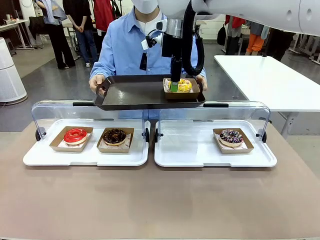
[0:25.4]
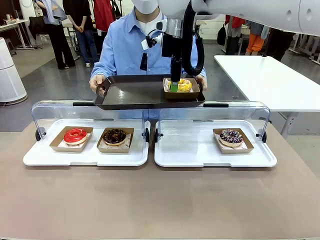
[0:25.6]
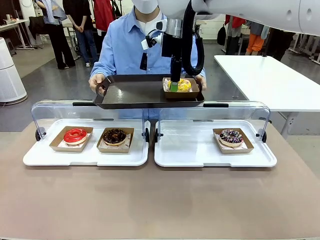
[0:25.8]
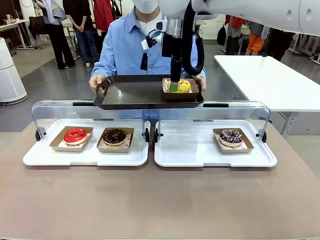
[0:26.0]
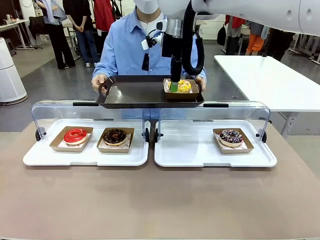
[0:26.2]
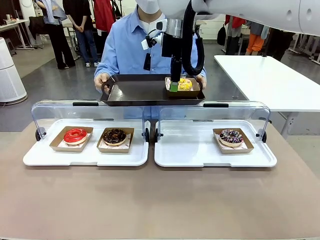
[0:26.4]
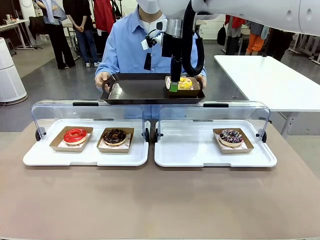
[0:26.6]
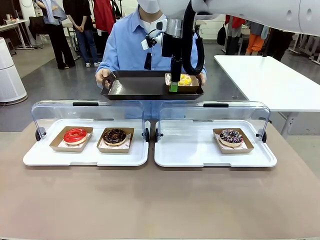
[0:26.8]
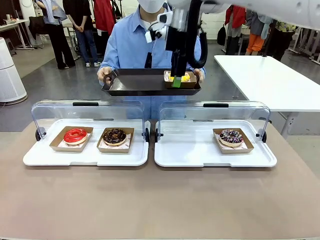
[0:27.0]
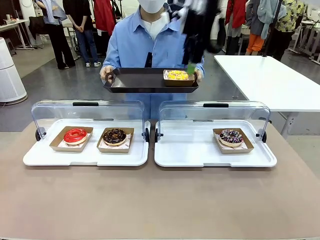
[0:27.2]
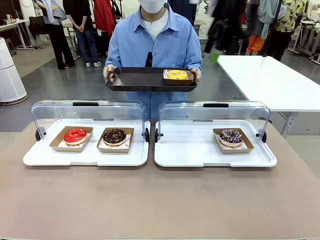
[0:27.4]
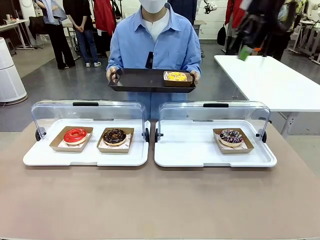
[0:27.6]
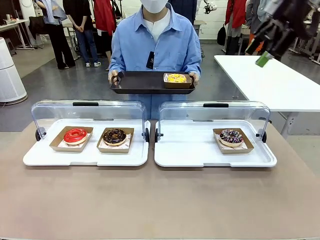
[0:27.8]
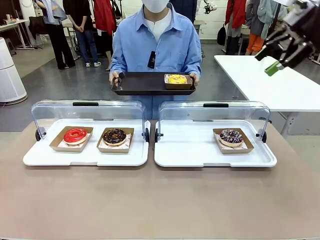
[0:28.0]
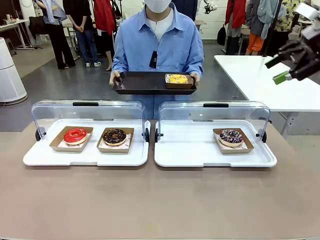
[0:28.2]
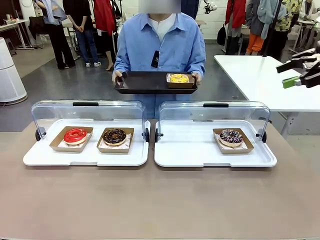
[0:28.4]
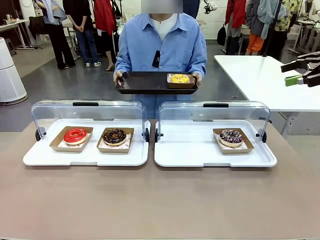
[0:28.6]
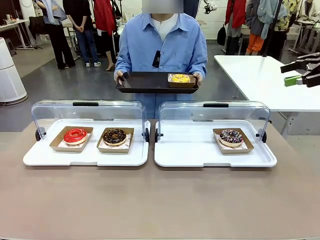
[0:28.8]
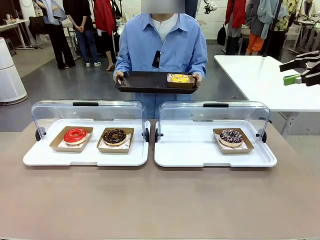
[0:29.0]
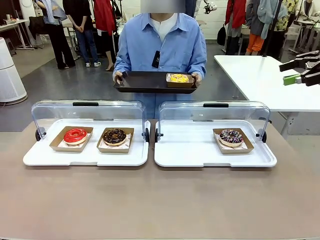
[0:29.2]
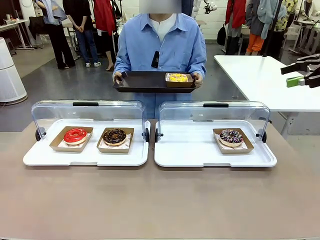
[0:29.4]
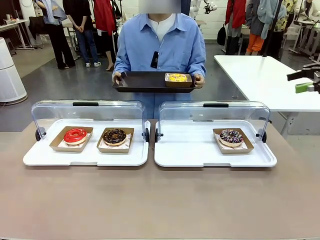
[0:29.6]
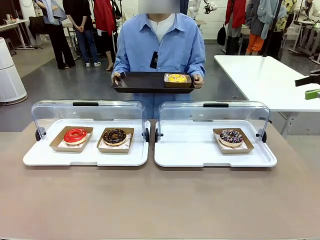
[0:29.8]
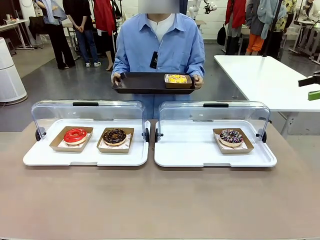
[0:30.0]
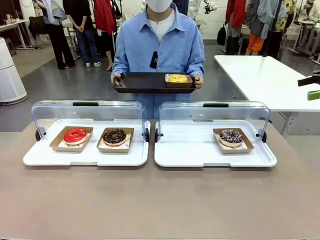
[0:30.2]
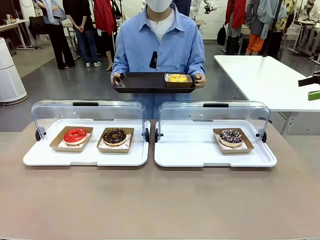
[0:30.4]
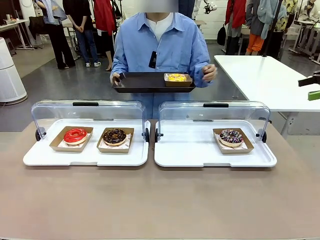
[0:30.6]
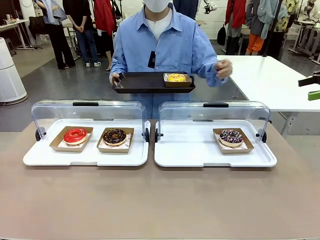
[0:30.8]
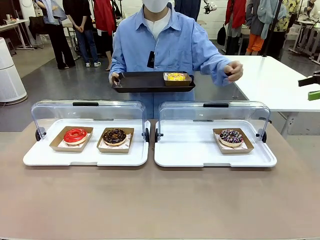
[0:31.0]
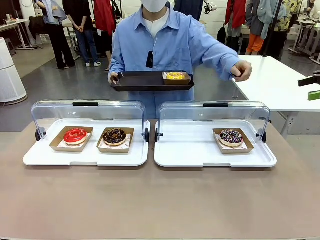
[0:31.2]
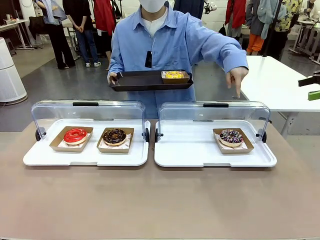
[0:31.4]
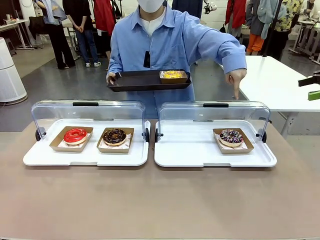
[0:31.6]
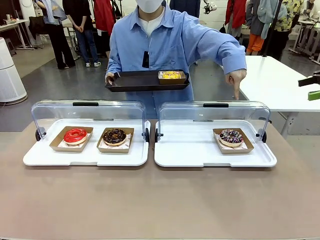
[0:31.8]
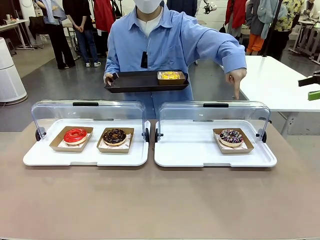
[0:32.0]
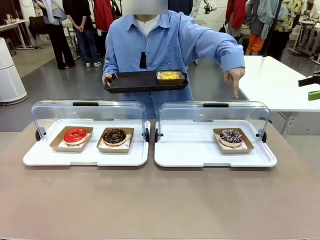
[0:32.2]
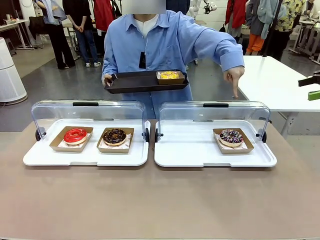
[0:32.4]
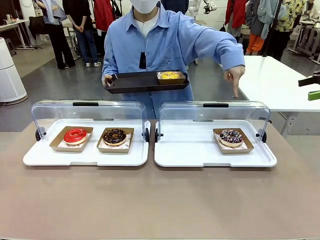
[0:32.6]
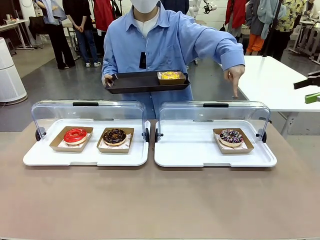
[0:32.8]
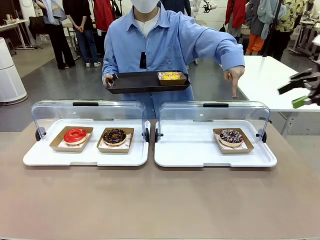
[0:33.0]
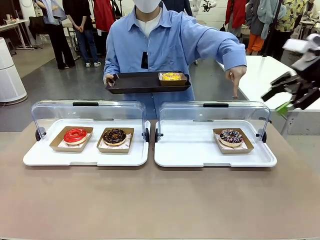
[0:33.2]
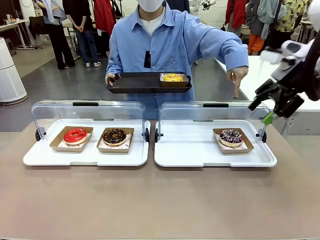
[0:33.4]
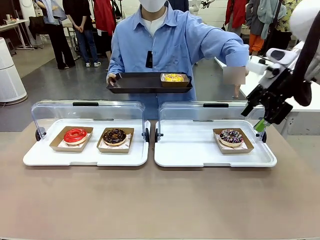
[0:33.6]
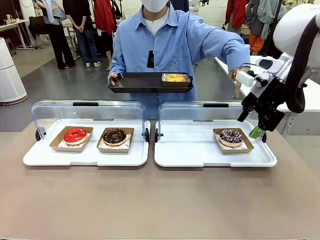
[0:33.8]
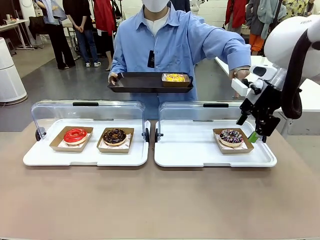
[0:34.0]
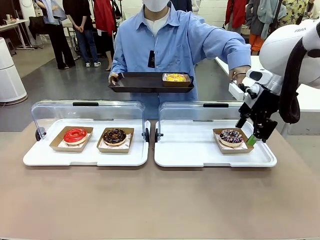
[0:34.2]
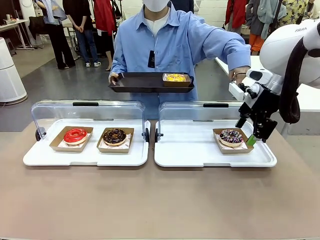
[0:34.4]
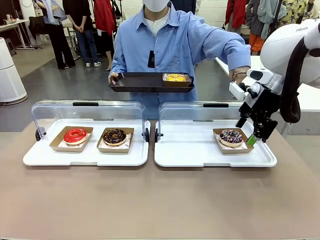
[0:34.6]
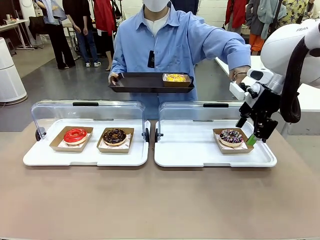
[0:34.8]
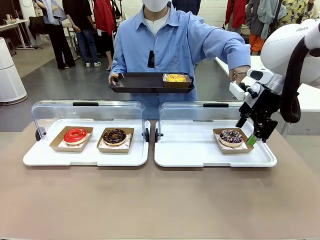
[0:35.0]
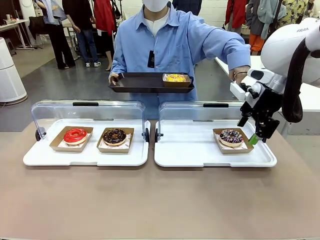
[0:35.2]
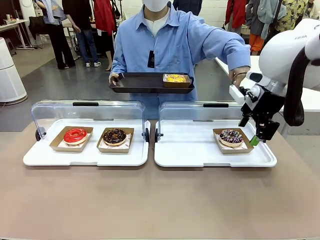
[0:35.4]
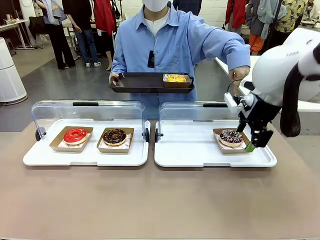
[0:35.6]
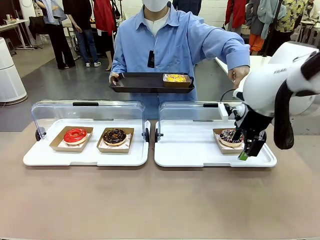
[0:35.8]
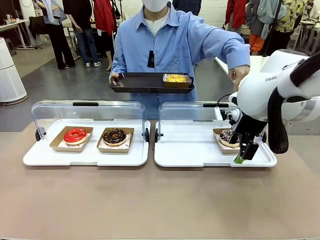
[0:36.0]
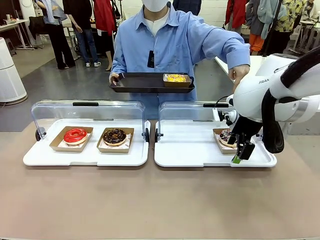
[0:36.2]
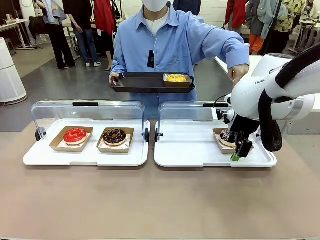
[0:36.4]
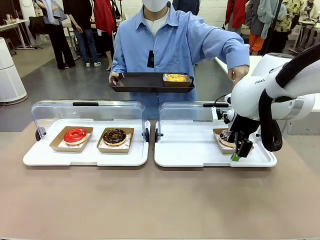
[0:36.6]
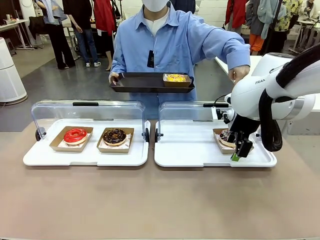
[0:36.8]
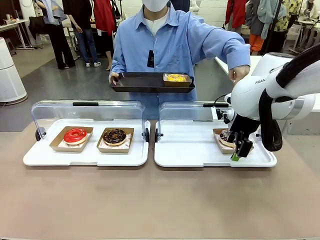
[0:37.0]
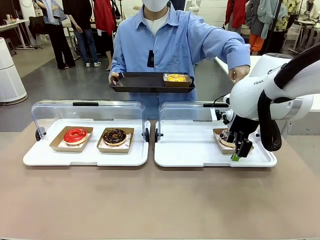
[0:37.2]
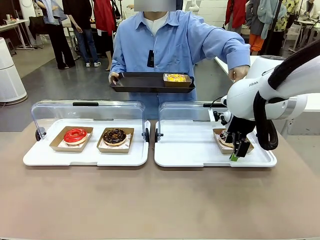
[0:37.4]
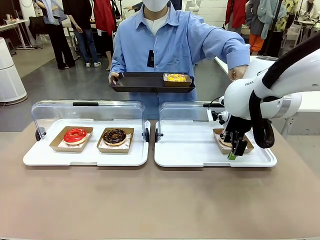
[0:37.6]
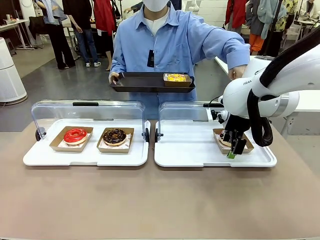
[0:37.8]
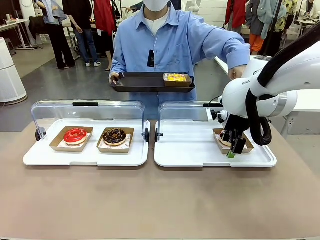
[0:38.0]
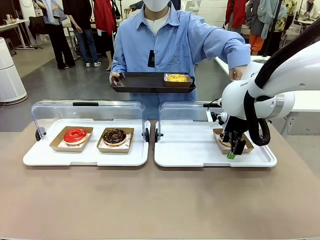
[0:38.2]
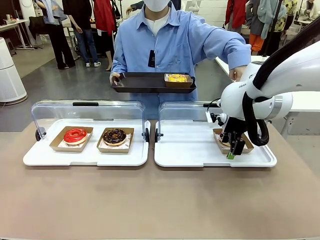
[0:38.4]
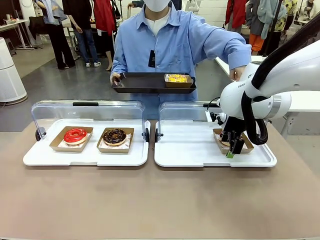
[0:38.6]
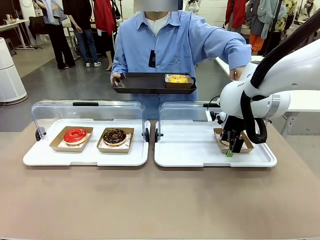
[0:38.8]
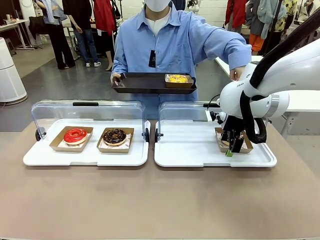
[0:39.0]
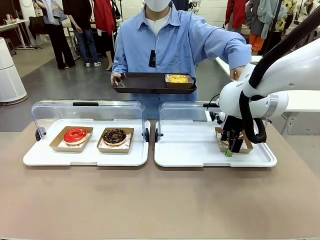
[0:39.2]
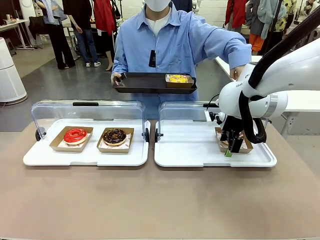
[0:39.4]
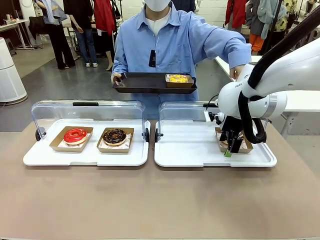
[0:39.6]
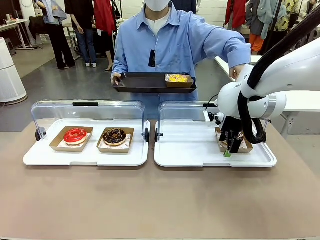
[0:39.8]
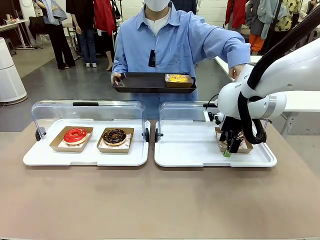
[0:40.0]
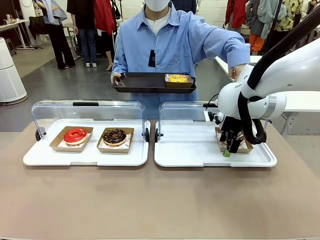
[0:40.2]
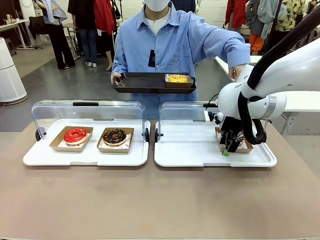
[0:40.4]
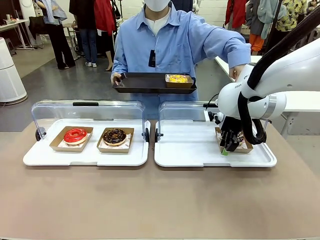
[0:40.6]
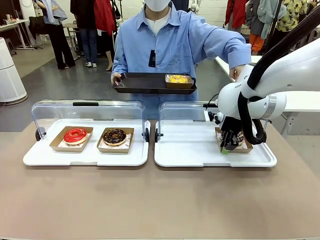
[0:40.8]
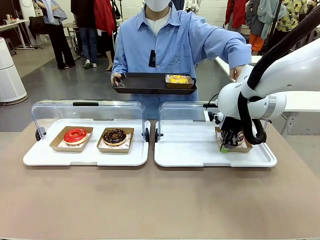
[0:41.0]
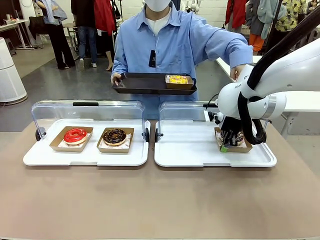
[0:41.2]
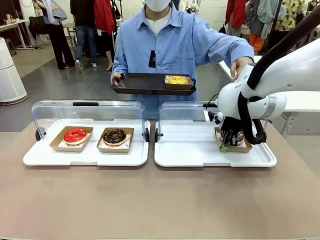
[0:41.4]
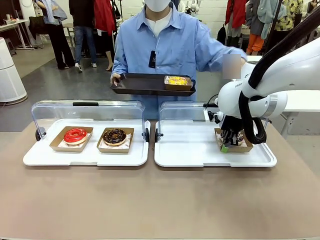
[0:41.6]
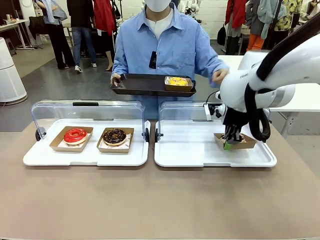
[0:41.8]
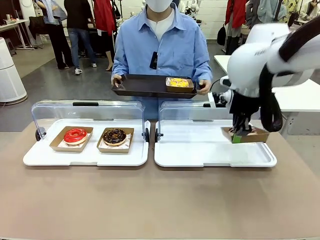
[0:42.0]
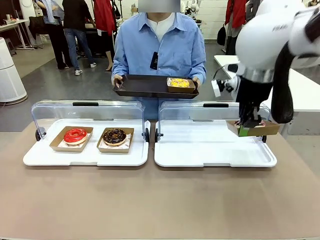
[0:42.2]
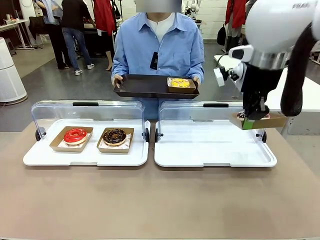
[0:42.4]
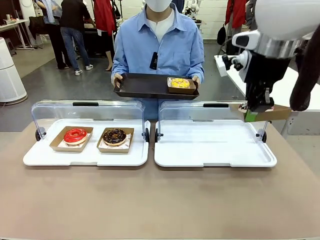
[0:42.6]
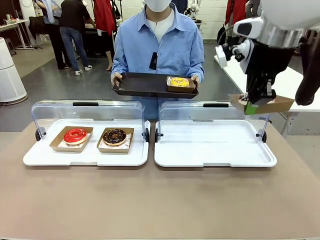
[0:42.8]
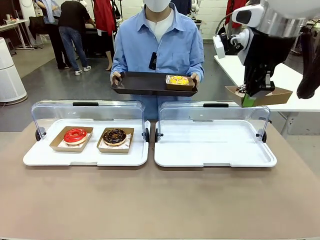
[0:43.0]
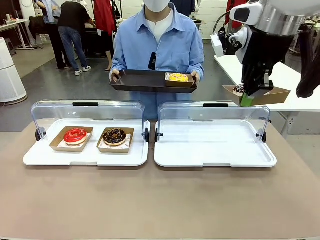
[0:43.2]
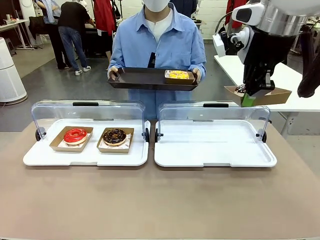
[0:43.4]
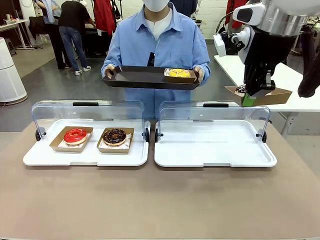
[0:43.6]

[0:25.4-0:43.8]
Task: Provide the desired donut to the person.
Robot: Pick up and lift the Paper togo box containing the Donut pointed at by the person.
Person: Point to one donut. Lift the tray onto the Roll-Top Bakery Case.
